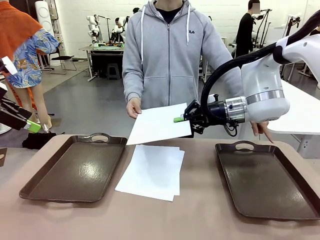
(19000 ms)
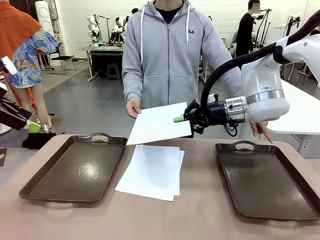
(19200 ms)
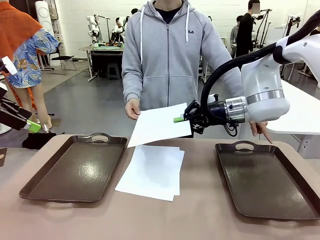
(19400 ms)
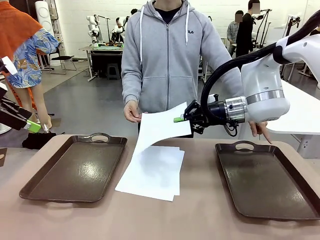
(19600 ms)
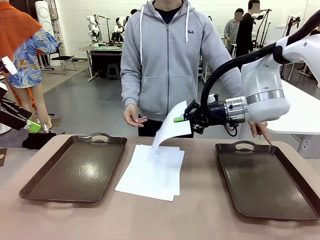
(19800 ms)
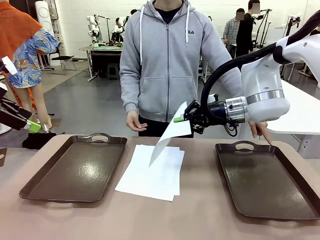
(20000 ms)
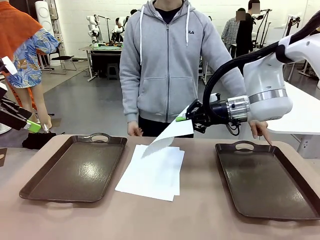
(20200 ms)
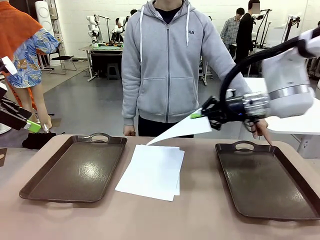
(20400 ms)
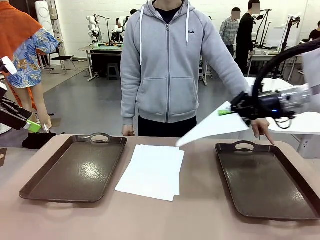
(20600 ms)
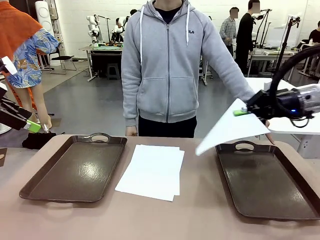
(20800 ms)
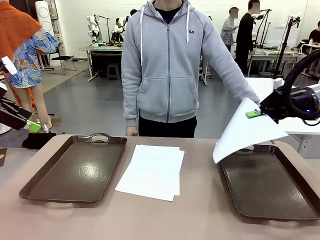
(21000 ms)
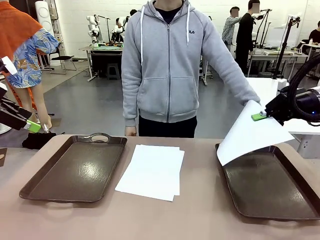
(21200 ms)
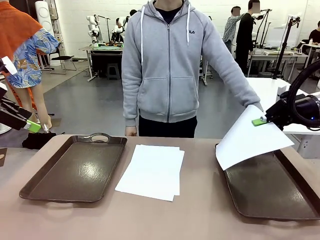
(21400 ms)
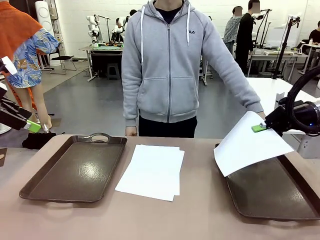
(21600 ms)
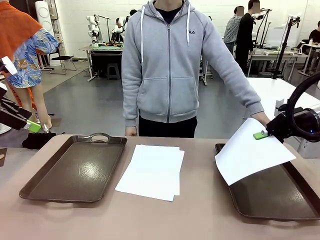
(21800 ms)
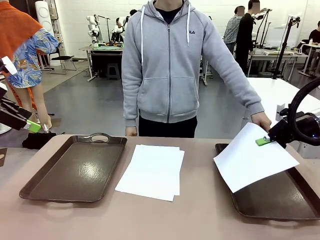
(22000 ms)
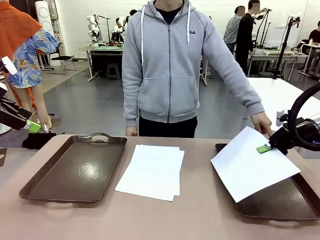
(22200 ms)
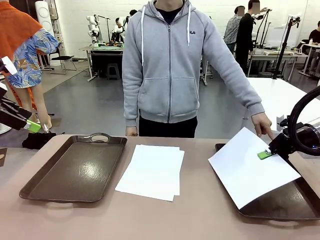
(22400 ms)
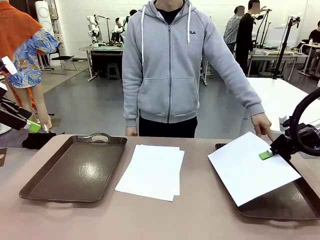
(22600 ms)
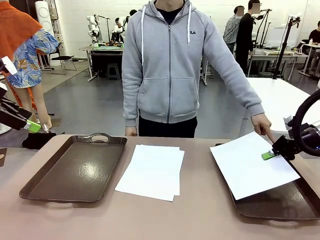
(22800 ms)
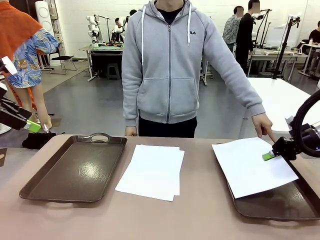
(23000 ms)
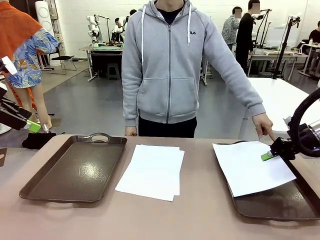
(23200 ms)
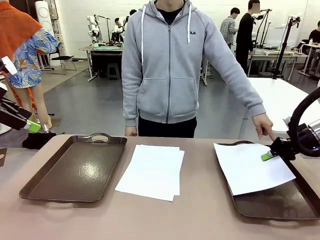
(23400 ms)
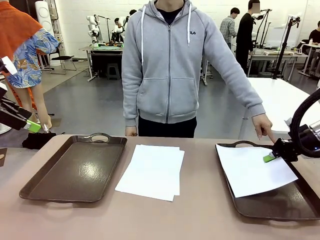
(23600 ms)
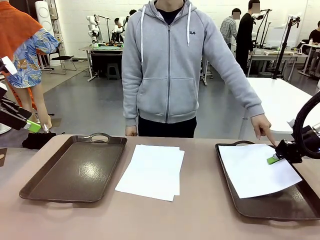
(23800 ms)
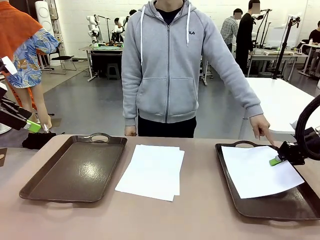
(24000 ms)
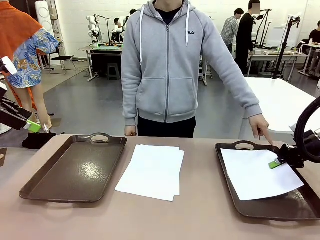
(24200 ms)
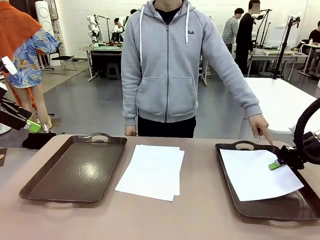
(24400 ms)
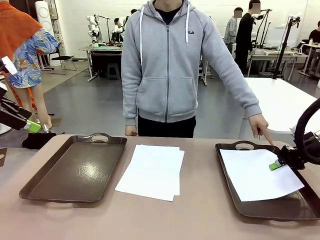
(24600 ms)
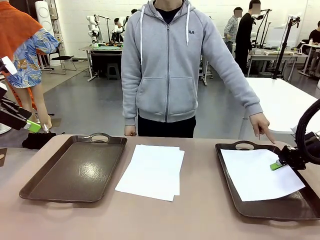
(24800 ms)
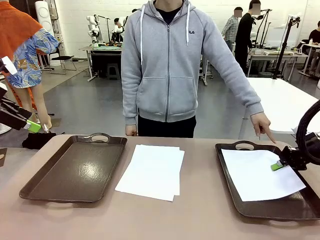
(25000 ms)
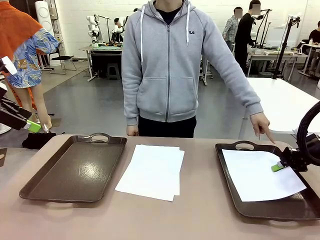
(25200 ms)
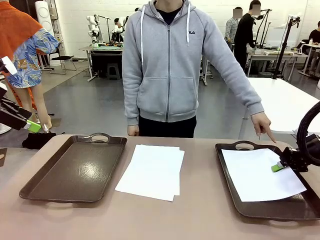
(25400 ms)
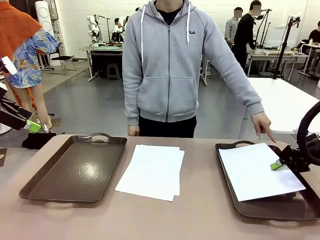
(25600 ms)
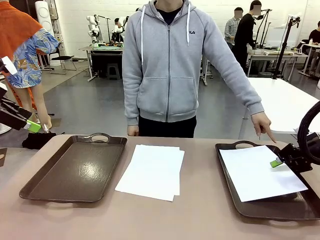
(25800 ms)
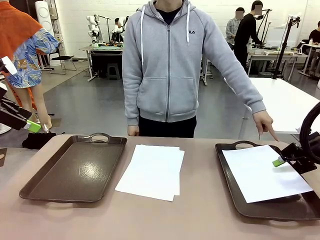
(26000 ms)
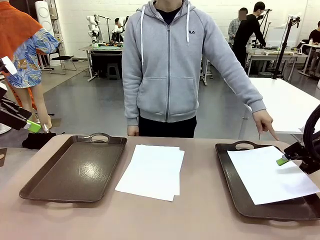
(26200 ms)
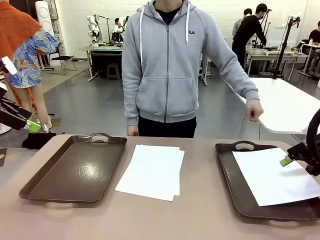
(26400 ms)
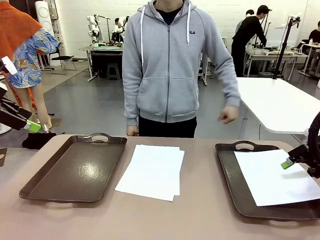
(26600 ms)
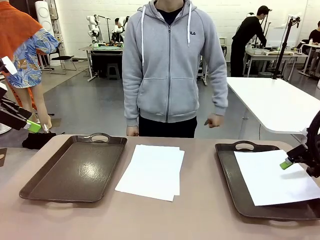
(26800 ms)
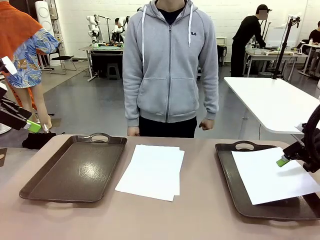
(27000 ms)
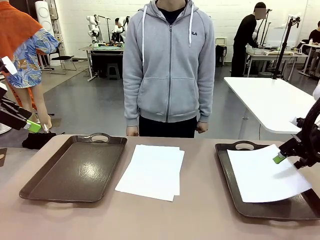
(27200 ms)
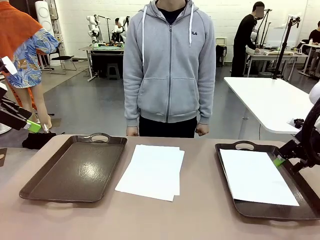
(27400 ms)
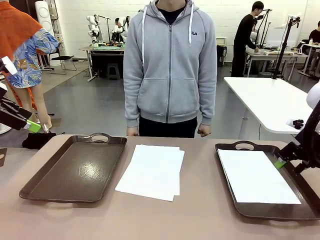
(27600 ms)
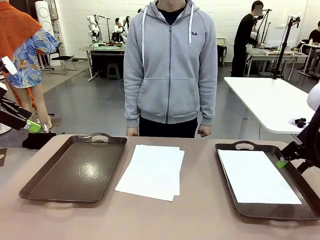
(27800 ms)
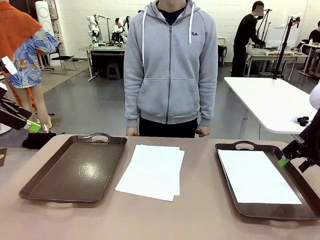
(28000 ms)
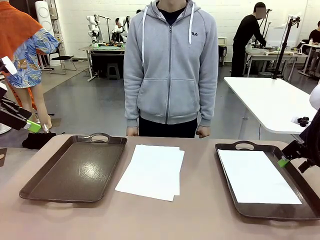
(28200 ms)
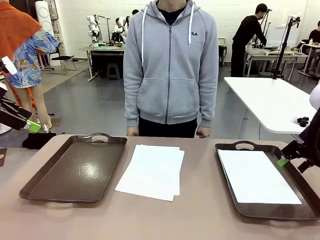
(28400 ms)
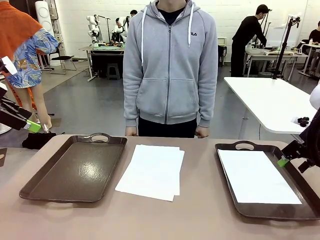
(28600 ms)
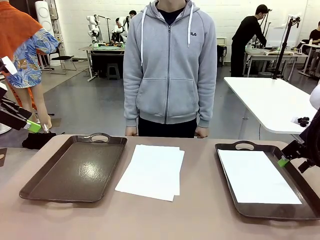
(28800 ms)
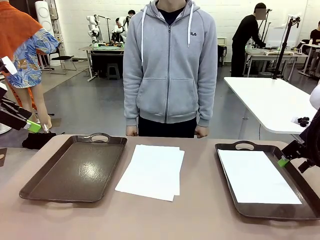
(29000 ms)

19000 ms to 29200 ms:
Task: Sort the A4 documents.
Robot: Place the A4 Paper in the designated Handle tray.

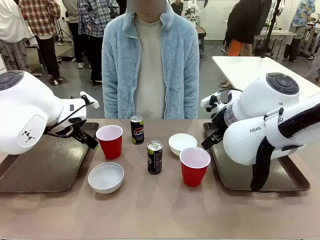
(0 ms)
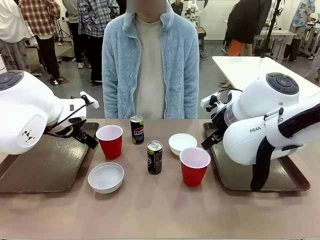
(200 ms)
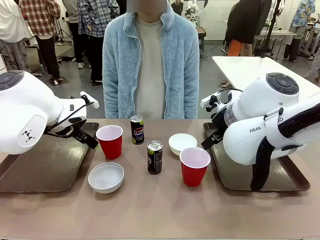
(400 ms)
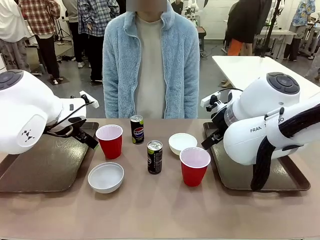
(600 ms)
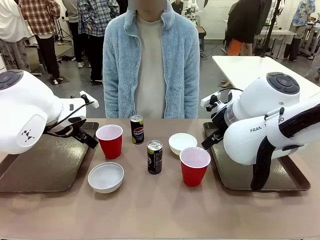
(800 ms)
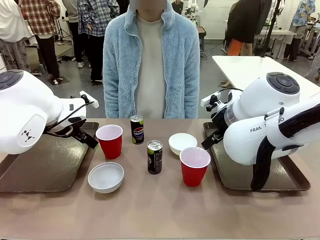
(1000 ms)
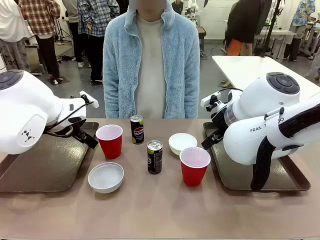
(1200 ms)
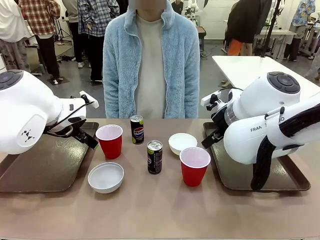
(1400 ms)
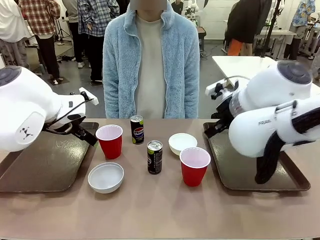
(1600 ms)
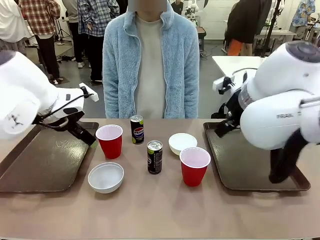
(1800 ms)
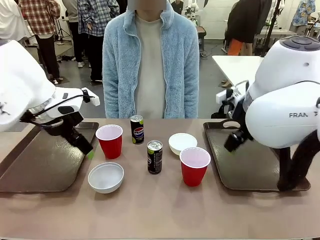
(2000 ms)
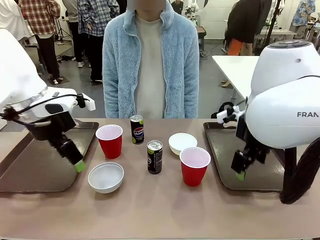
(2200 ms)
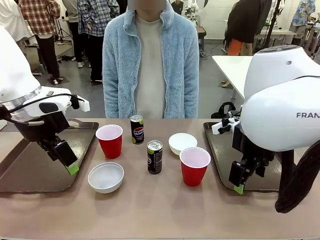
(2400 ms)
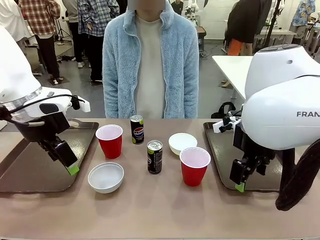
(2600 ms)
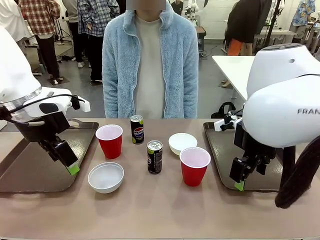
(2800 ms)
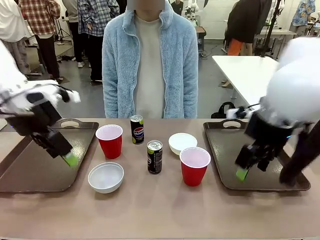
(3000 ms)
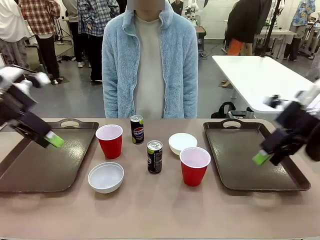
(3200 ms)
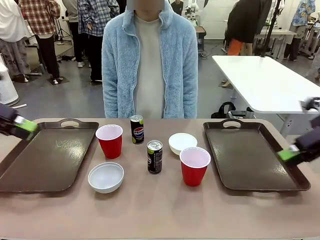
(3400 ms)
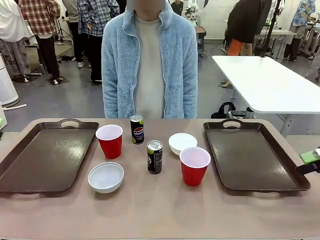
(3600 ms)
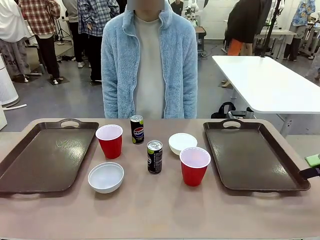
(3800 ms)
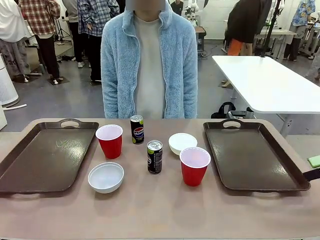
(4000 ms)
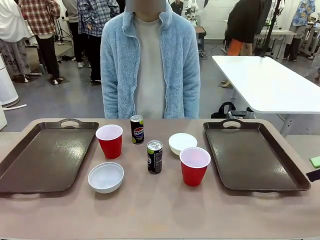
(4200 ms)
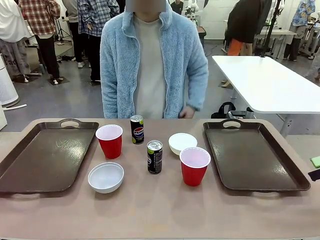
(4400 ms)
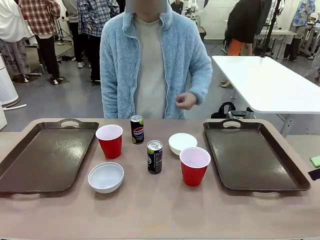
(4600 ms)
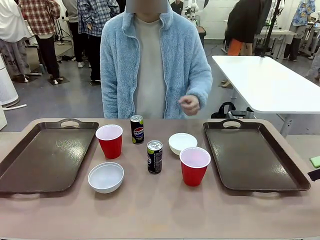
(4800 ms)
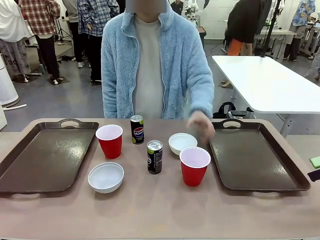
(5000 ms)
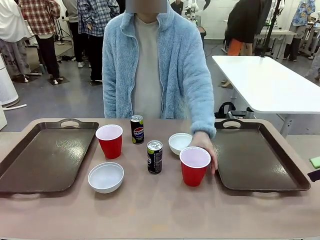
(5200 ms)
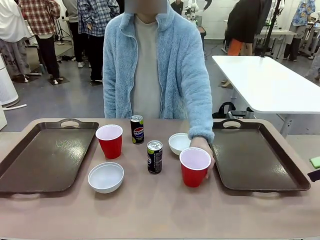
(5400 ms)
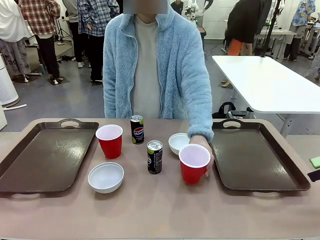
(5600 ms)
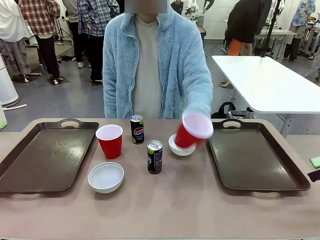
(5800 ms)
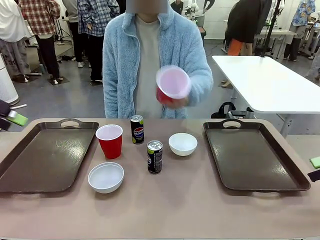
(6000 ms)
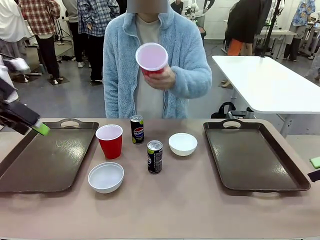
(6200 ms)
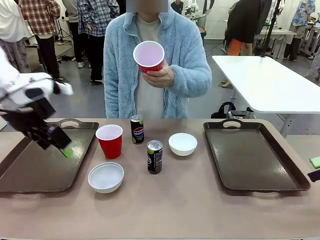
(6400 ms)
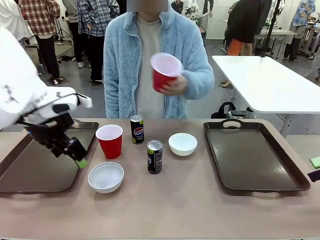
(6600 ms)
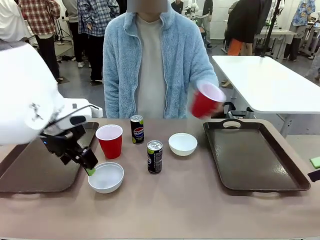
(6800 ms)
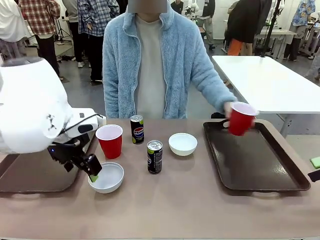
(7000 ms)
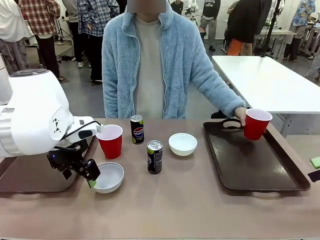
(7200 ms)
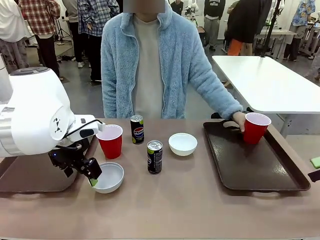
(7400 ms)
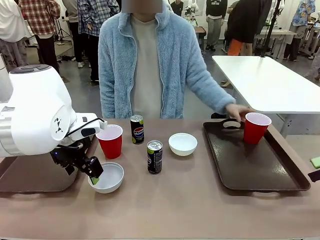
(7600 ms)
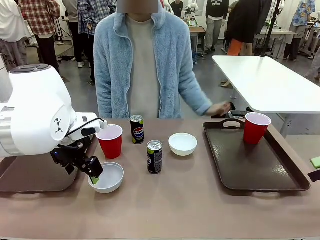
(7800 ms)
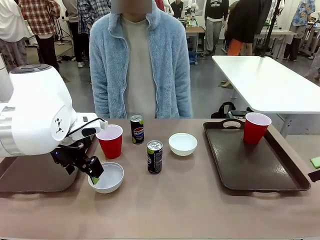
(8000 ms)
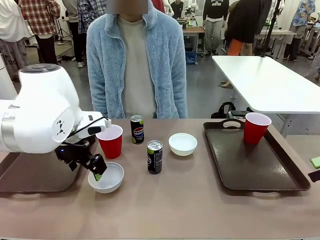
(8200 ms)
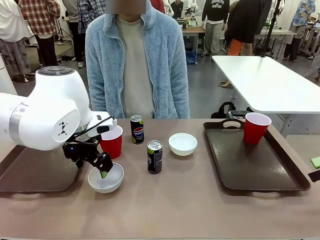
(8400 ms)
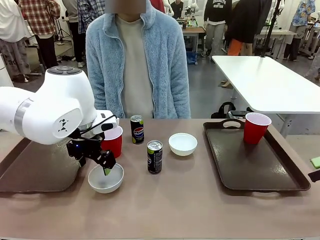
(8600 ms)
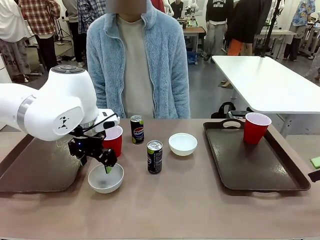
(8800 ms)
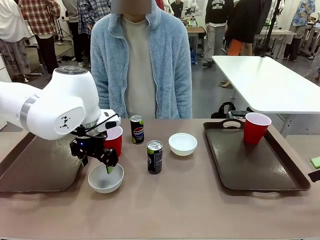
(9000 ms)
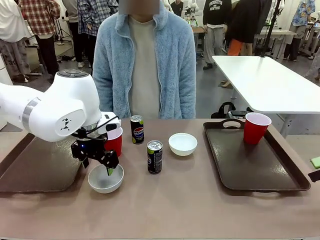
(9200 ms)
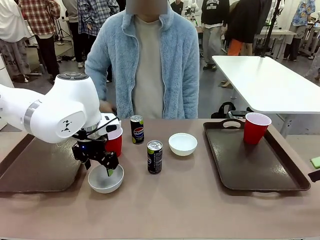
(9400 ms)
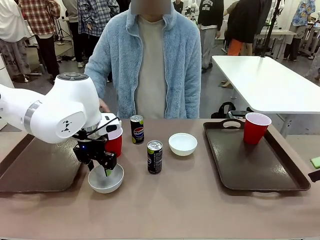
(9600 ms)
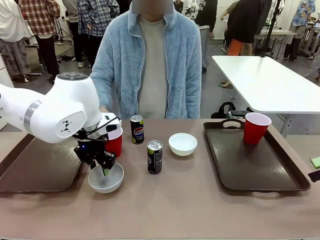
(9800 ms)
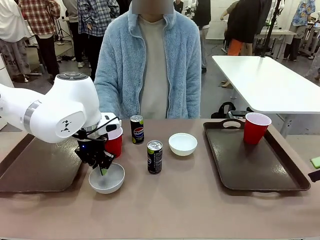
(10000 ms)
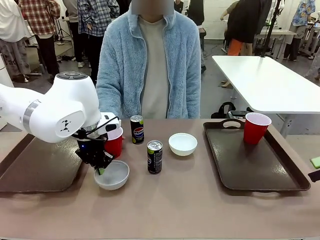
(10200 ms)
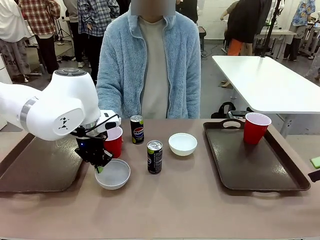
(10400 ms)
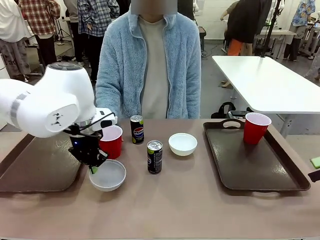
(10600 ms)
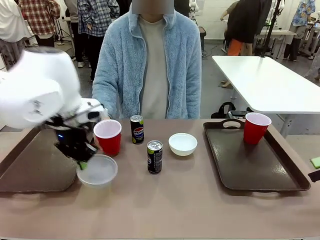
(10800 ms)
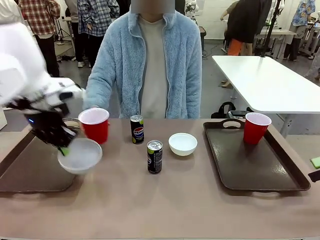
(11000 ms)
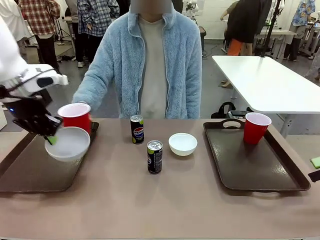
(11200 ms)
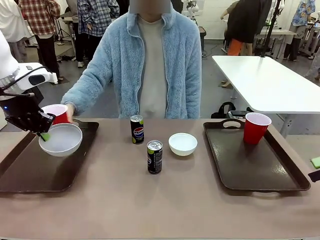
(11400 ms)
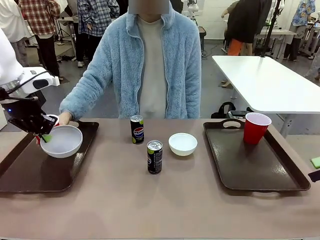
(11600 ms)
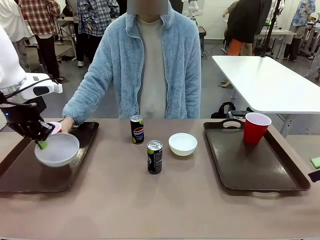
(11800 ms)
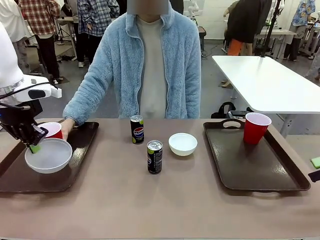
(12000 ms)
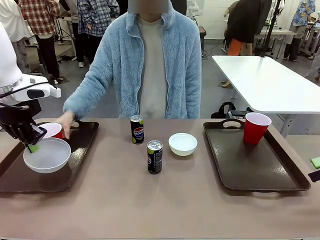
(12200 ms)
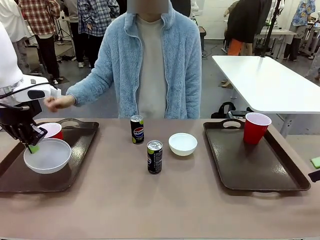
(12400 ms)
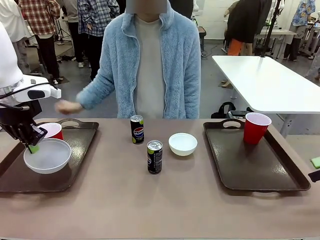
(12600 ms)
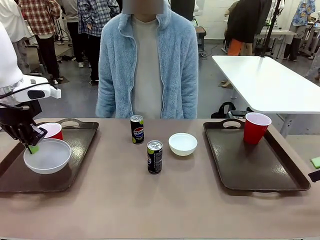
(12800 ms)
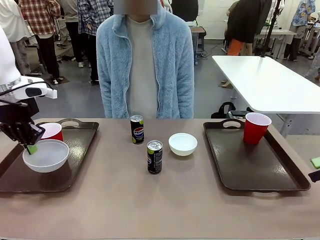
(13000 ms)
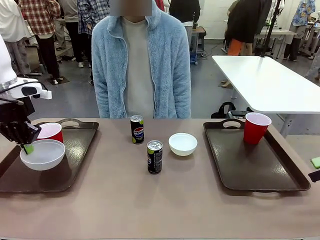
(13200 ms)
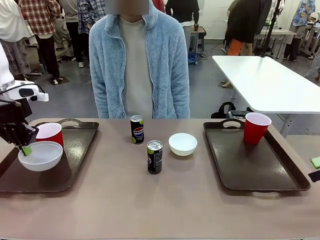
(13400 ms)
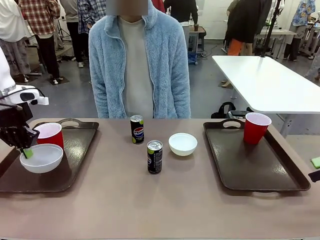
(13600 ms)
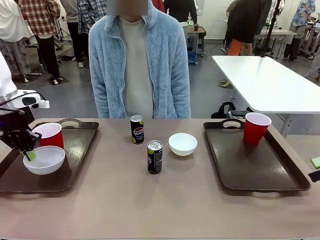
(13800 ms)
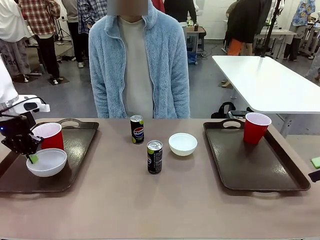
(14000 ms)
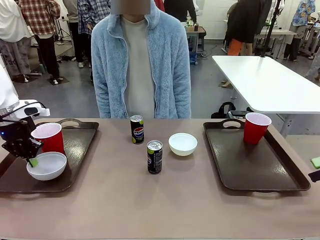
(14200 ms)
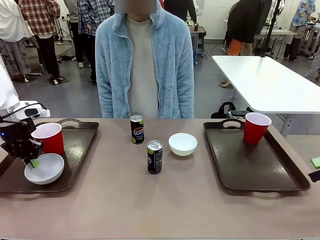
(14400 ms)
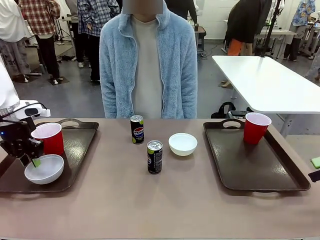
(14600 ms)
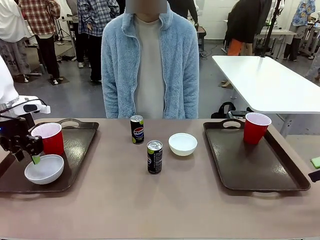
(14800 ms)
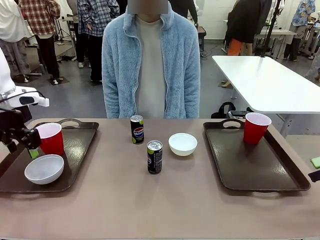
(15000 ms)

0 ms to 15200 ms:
Task: Prepare tableware on both trays.
Robot: Pick up a Picnic Bowl from the table and place it on a Handle tray.
Person: Pick up a can or cup and place it on the tray.
